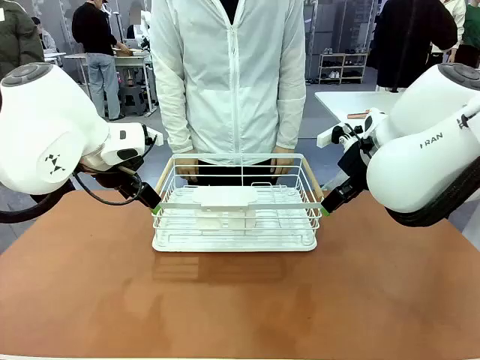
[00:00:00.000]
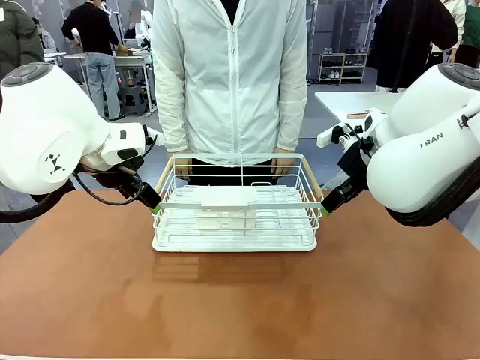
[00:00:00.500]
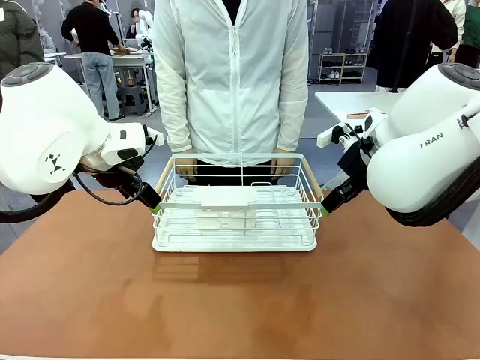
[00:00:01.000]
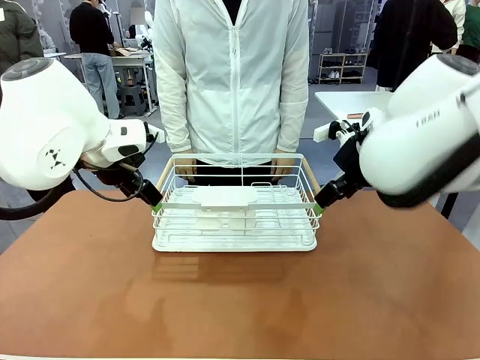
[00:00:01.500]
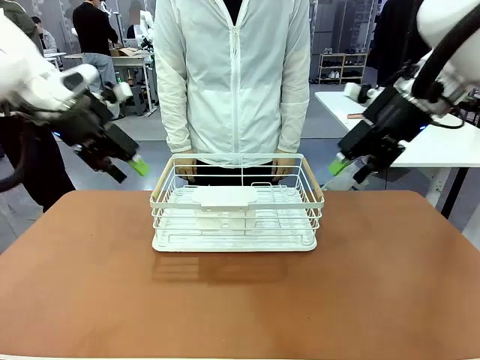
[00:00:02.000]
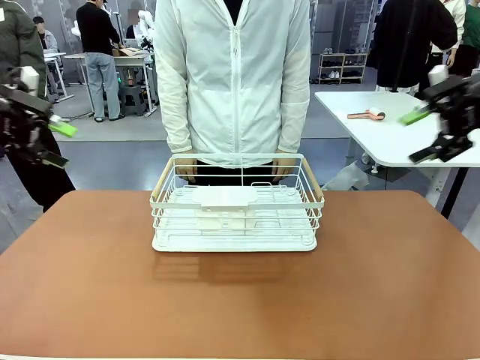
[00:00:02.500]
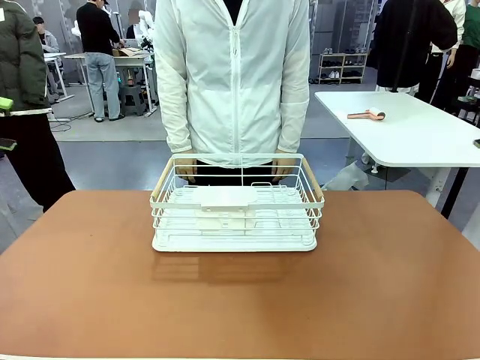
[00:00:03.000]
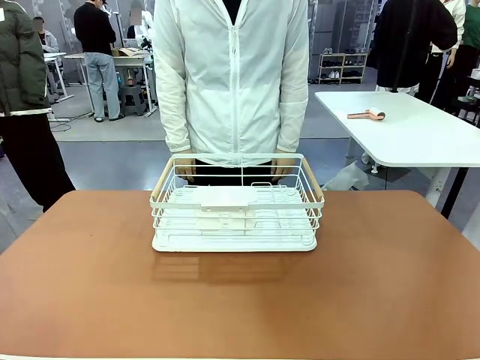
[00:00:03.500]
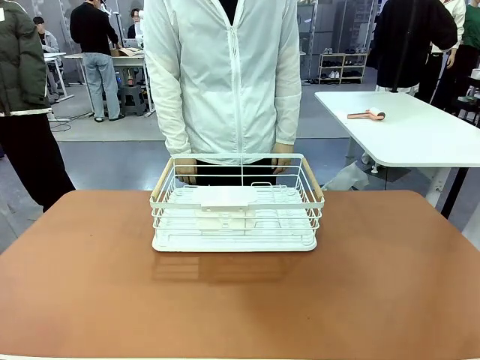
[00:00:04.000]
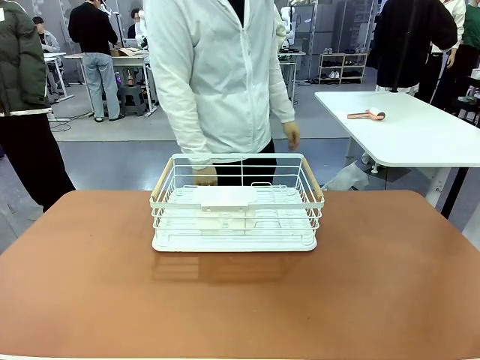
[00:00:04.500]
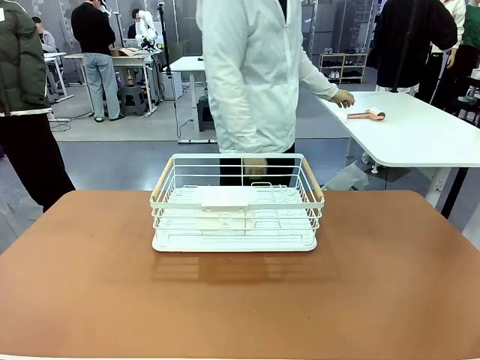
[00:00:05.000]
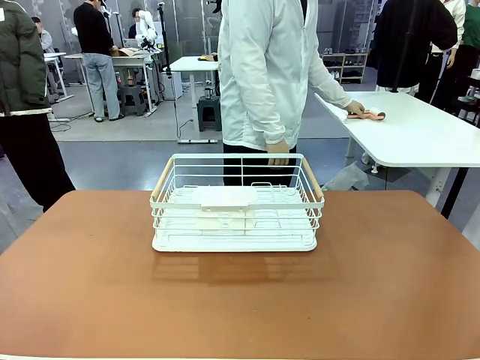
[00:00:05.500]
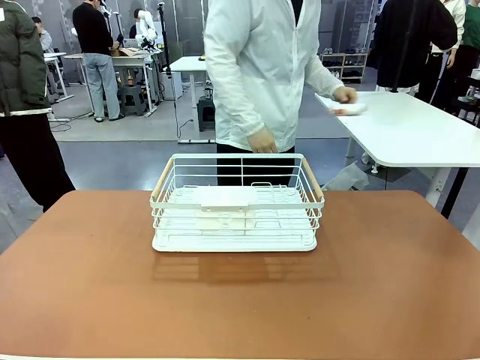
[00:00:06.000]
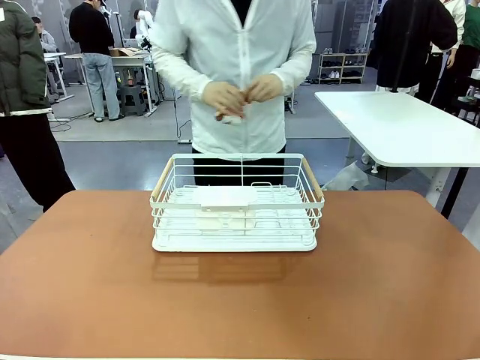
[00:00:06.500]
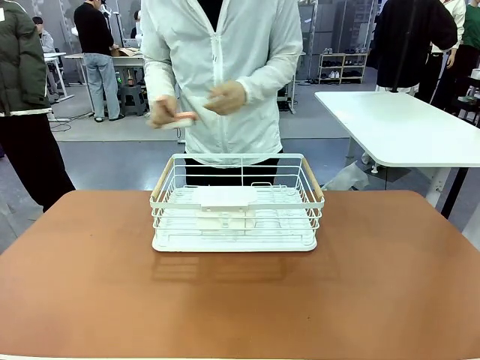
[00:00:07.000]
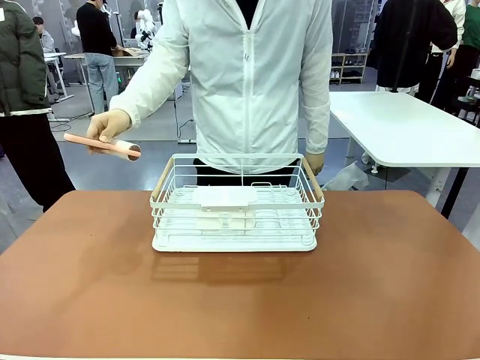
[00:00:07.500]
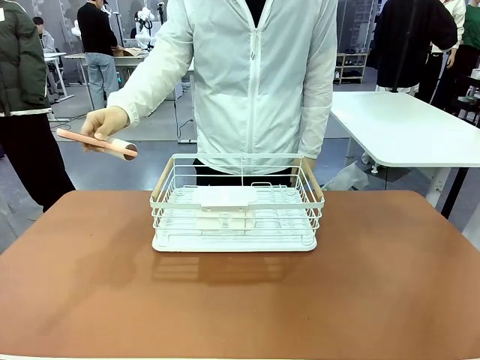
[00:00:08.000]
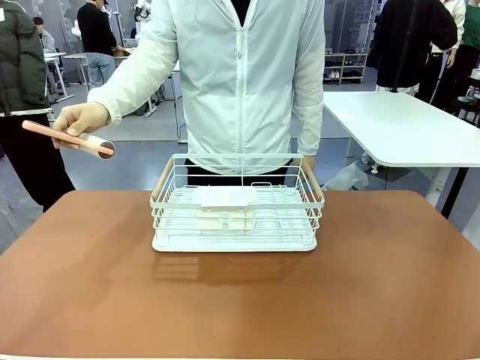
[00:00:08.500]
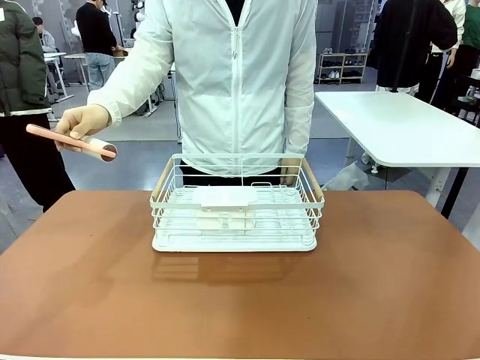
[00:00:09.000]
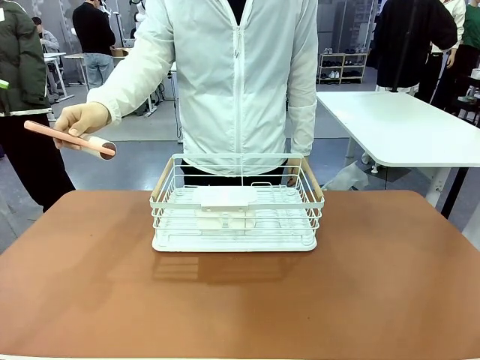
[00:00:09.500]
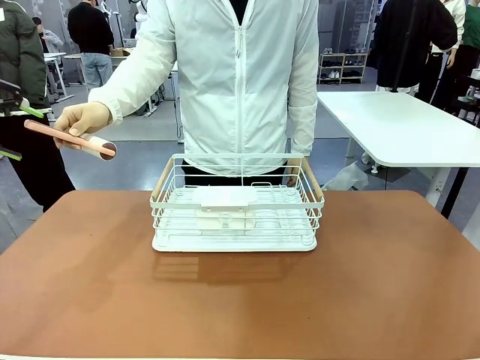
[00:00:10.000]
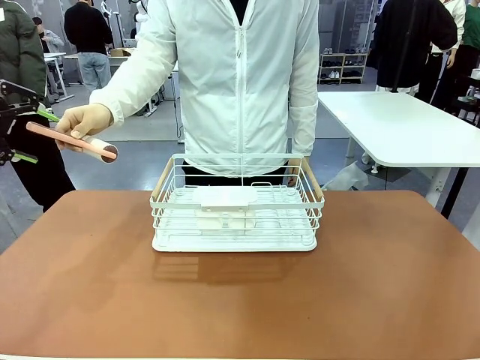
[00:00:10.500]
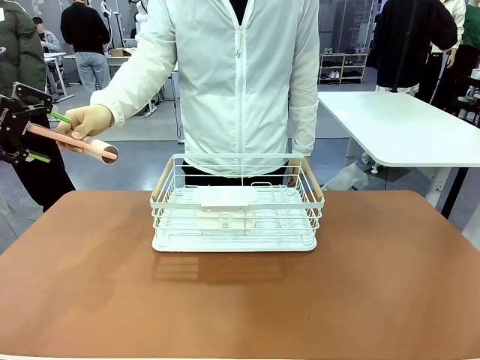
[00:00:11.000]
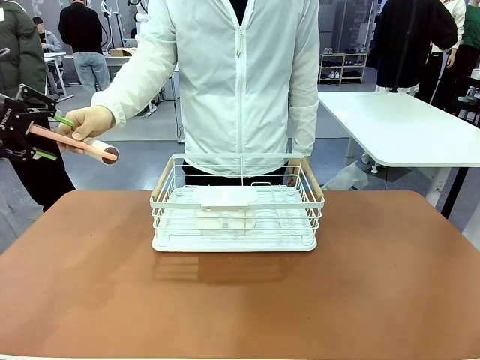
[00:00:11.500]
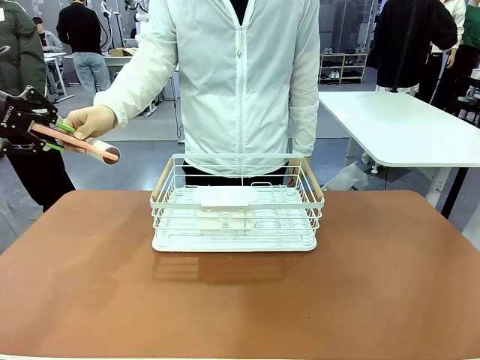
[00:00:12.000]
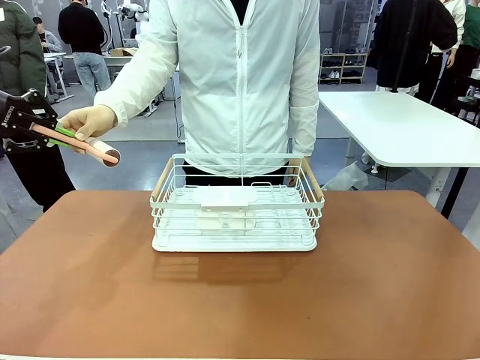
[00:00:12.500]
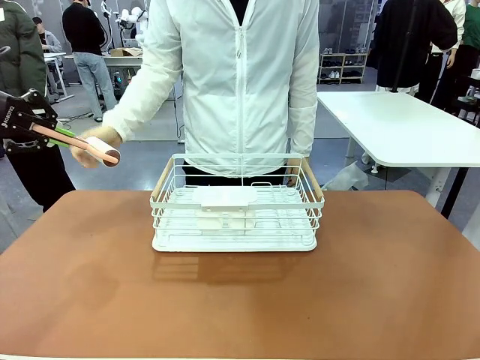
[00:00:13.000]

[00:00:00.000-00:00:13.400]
Task: Clean the table.
Robot: Pick up the Lint Roller when the human hands it over.
Person: Hand the Lint Roller to the robot so it can easily pick it up. Lift the Dish drying rack.

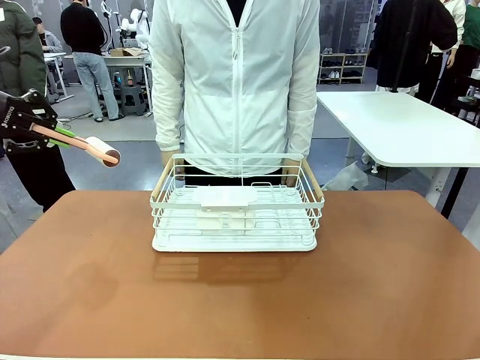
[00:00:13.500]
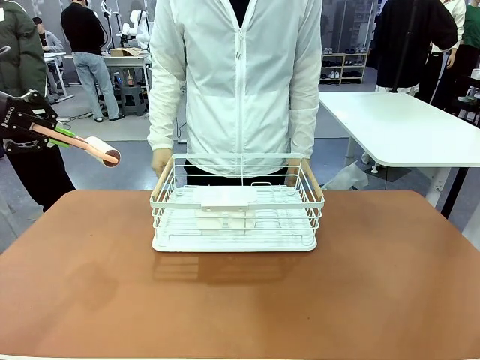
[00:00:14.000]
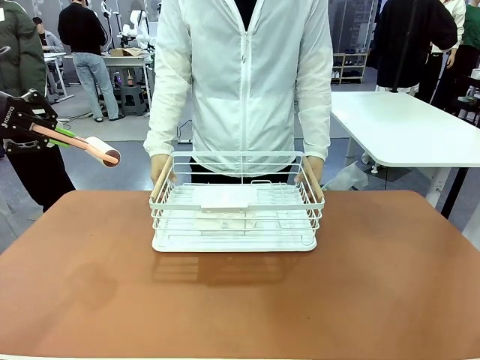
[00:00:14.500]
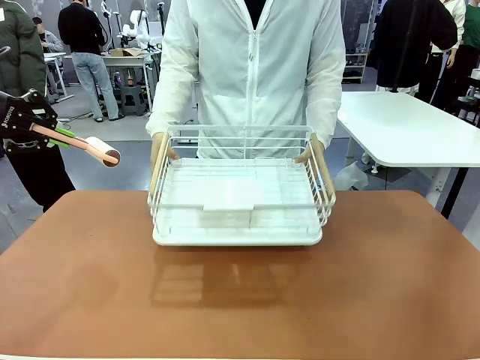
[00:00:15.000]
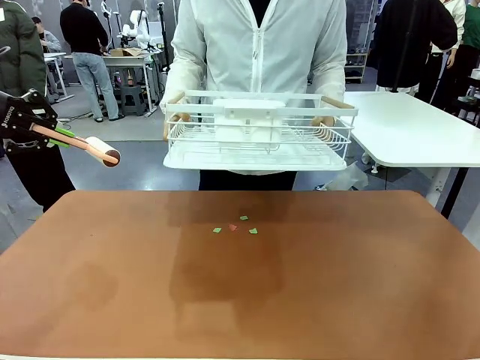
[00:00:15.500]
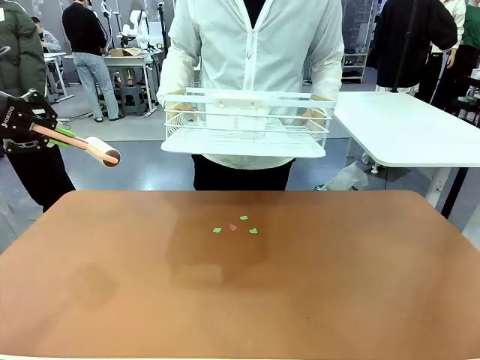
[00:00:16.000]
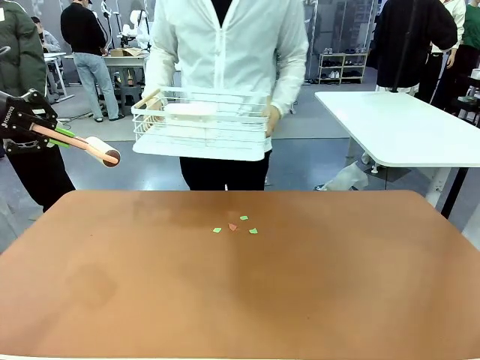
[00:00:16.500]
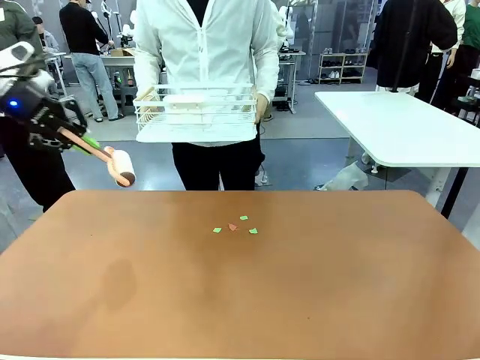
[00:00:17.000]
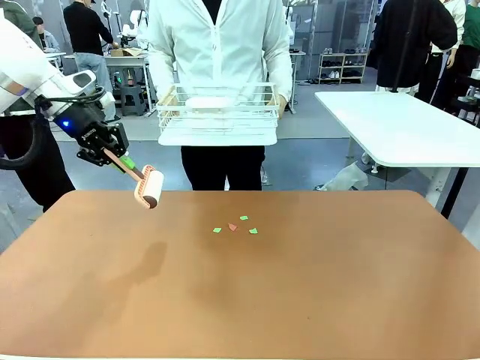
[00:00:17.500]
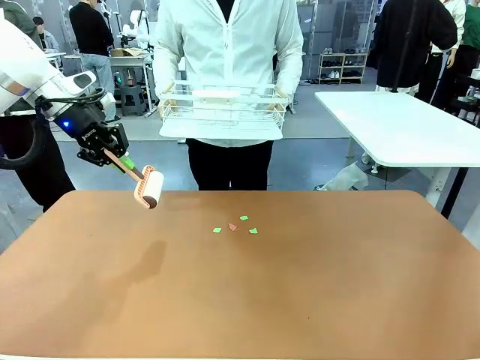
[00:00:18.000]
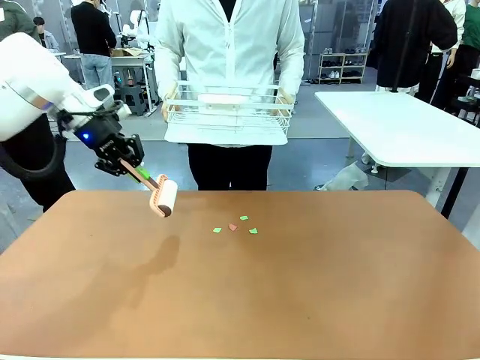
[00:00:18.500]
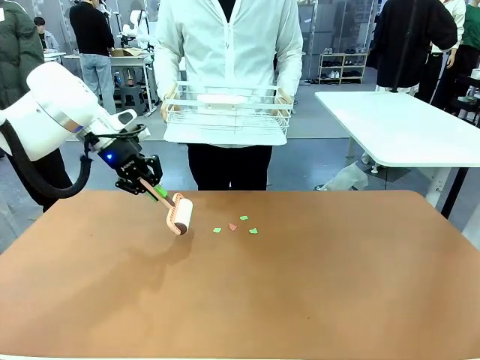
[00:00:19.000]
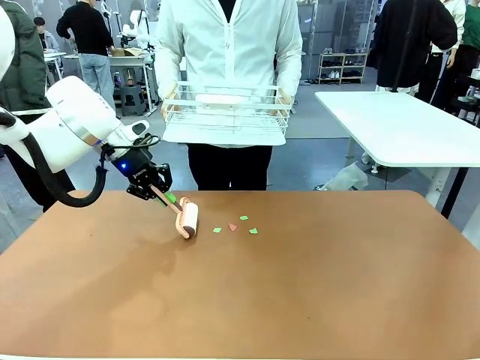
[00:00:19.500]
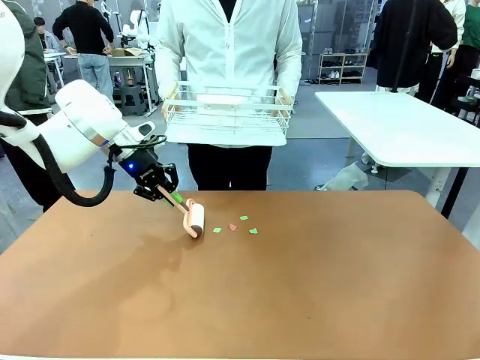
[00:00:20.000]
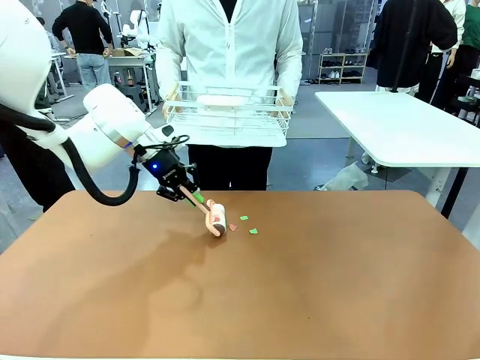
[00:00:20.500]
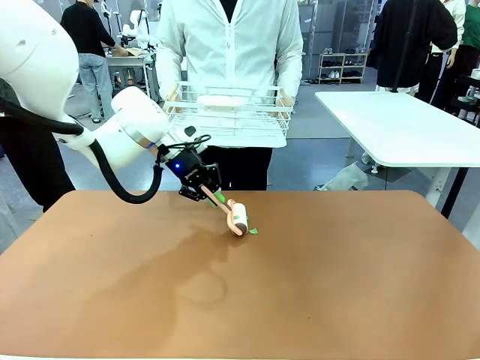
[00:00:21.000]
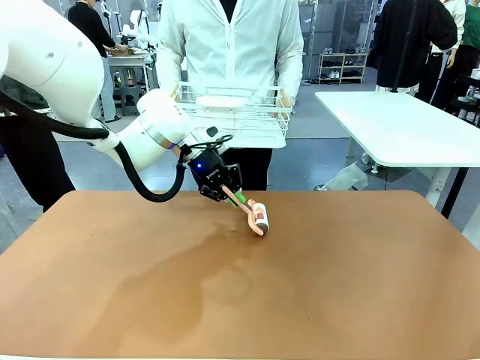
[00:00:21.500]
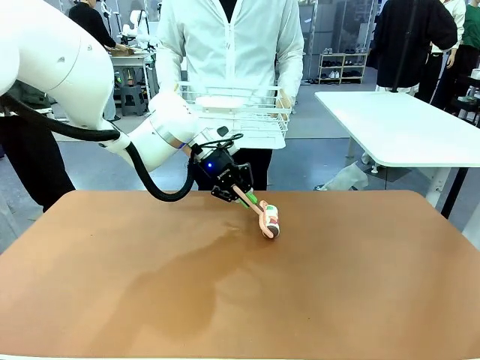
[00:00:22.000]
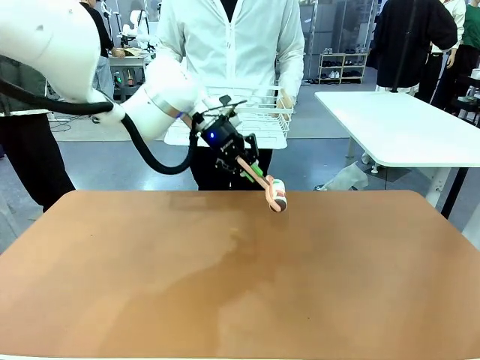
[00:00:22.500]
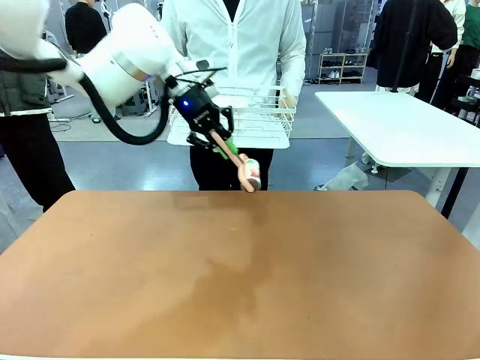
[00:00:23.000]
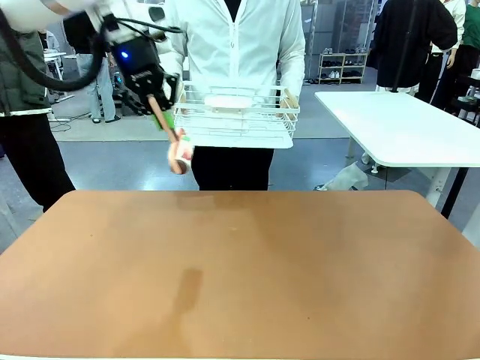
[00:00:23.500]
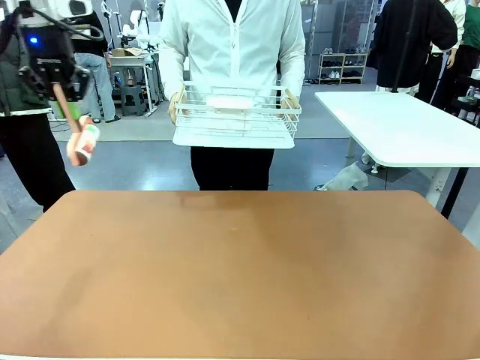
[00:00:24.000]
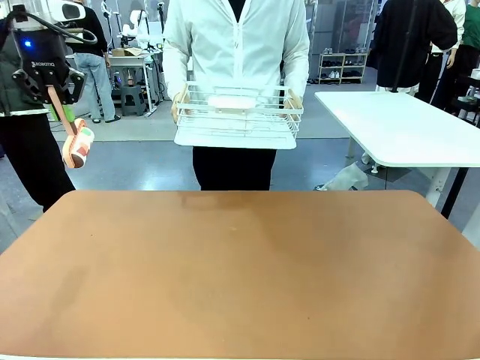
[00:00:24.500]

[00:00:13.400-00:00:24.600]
Robot: Clean the table with the Lint Roller when the human lifts the Dish drying rack.
